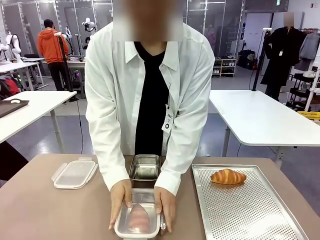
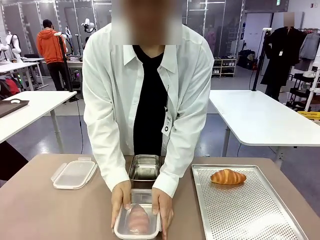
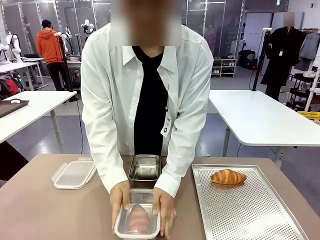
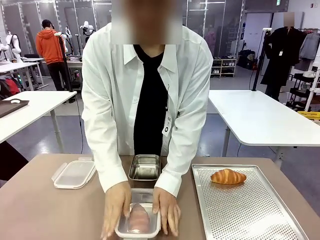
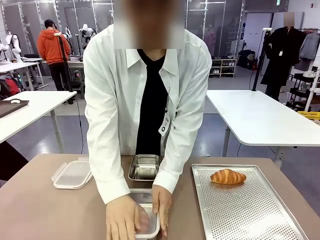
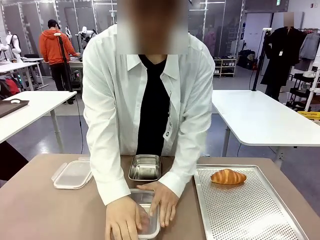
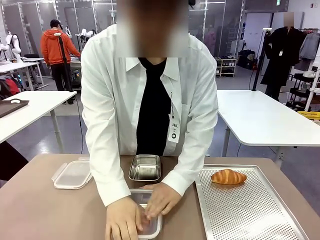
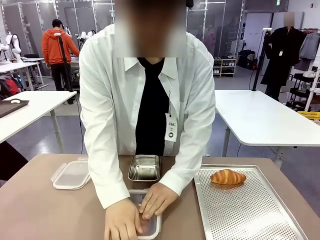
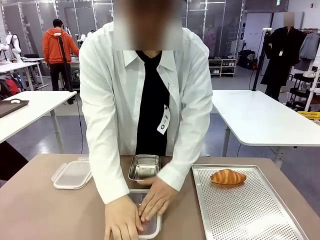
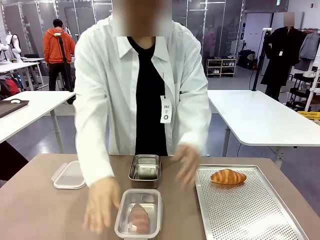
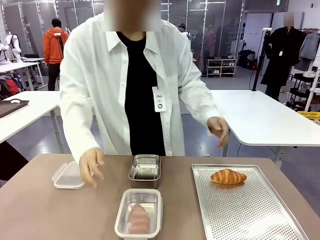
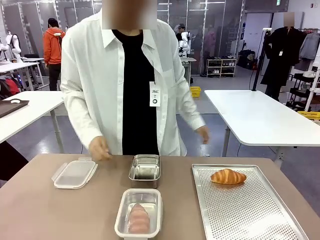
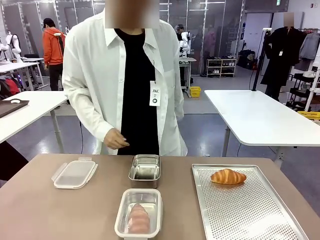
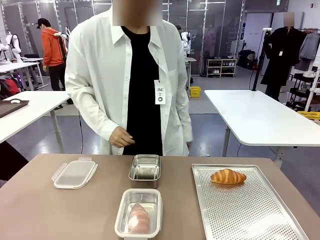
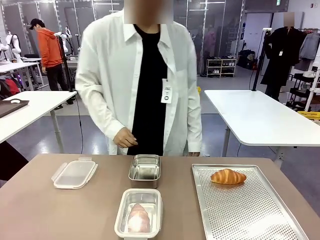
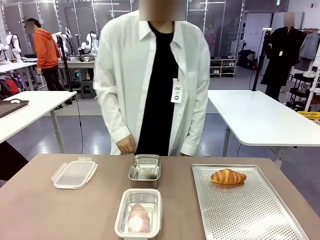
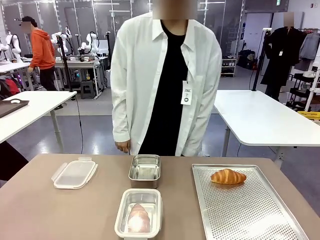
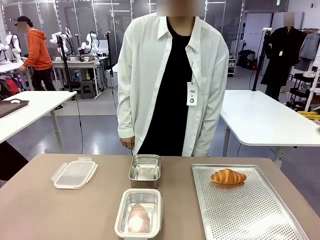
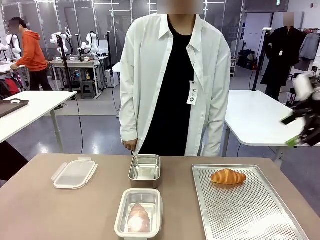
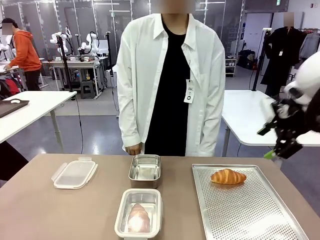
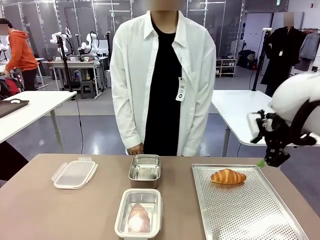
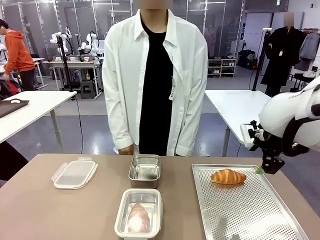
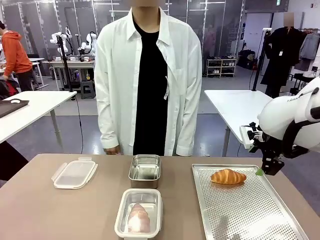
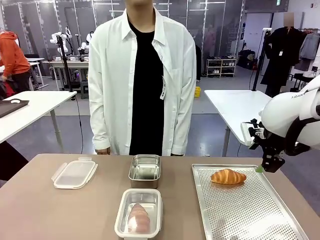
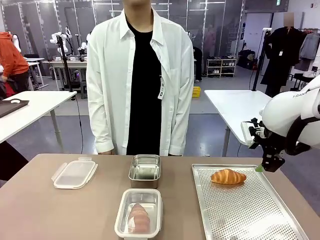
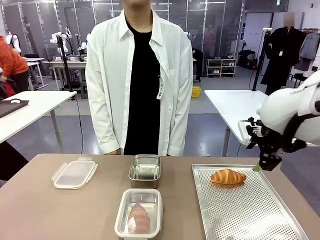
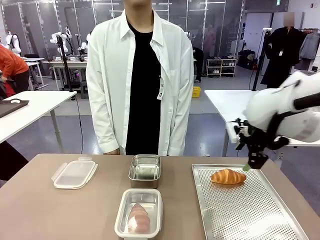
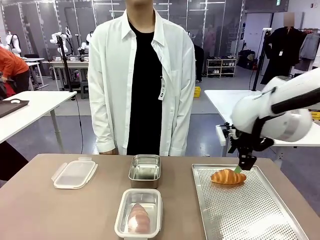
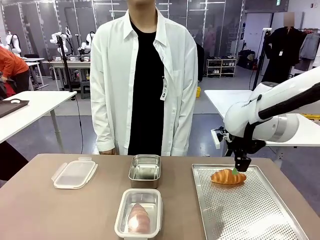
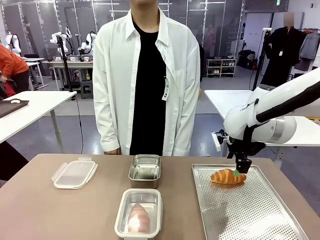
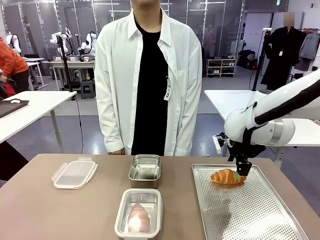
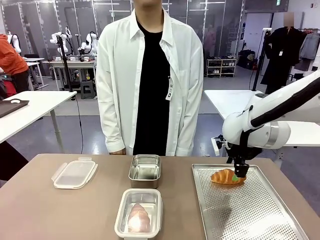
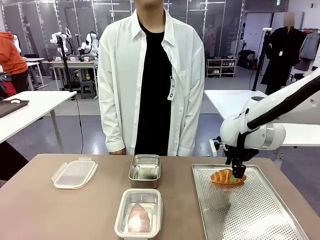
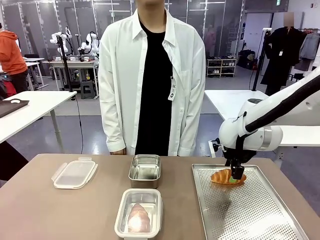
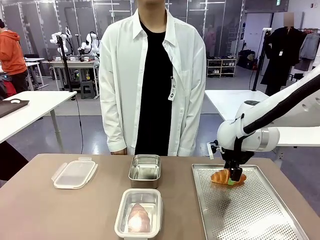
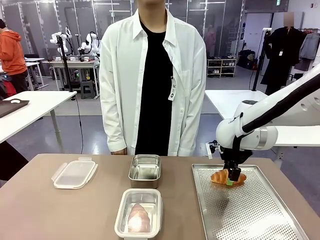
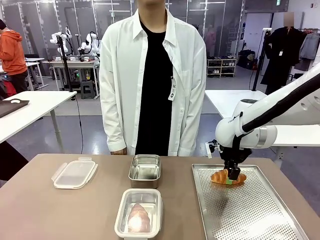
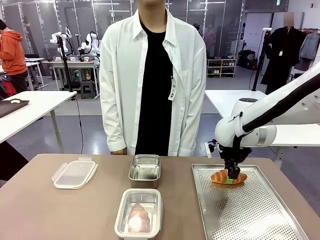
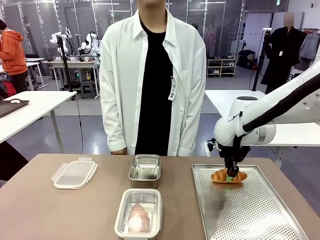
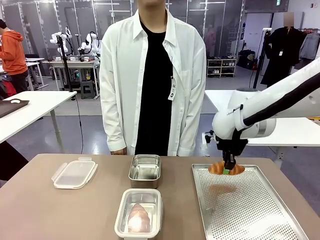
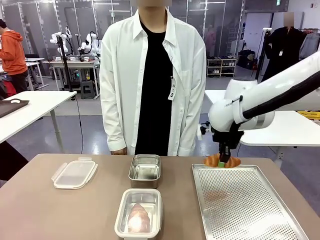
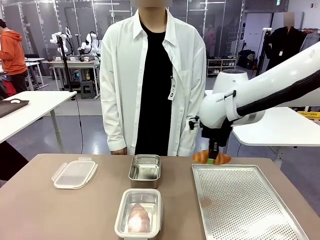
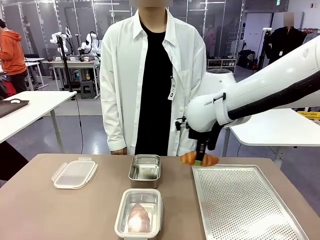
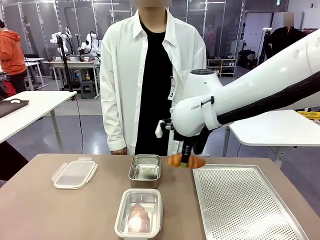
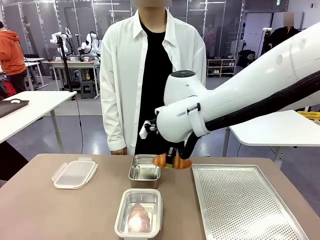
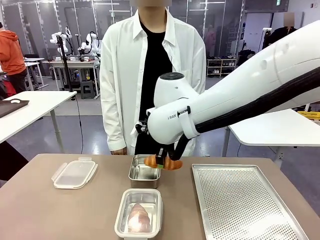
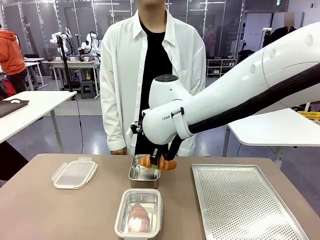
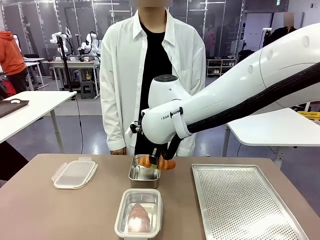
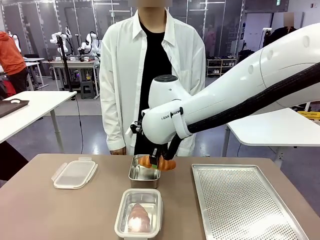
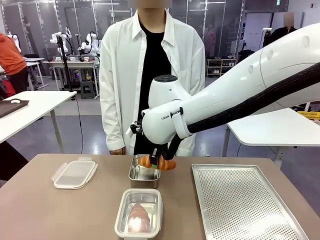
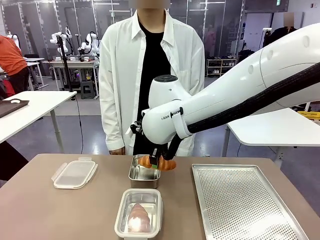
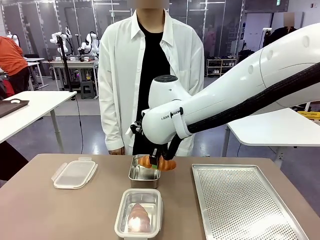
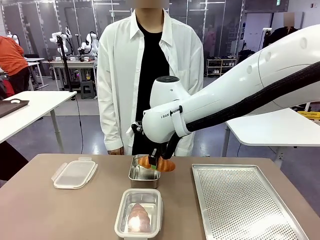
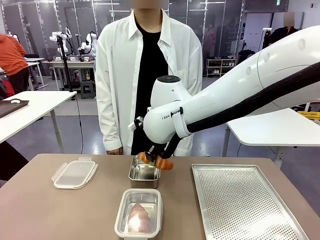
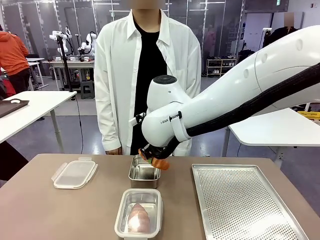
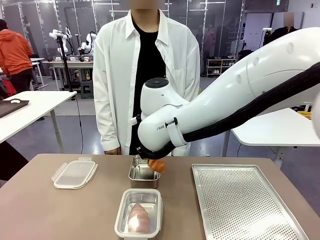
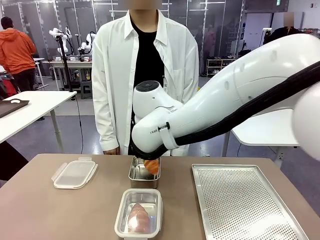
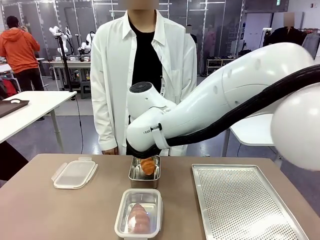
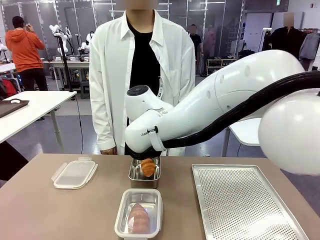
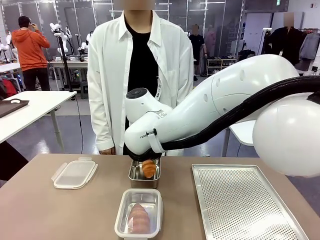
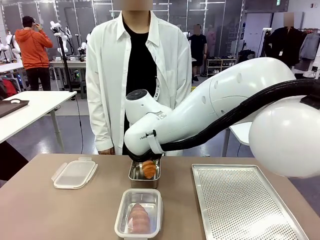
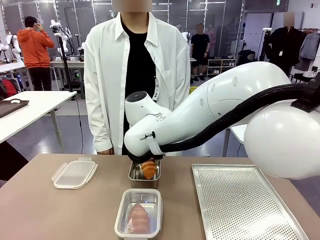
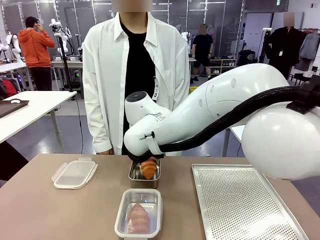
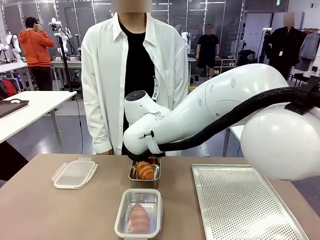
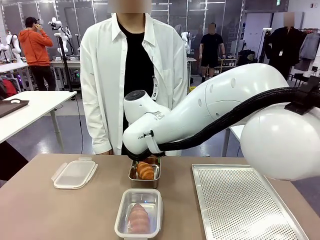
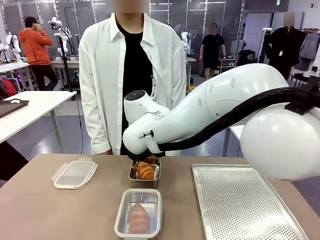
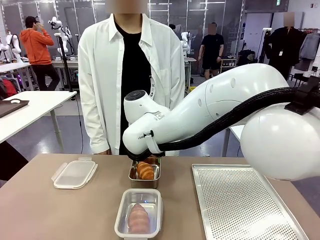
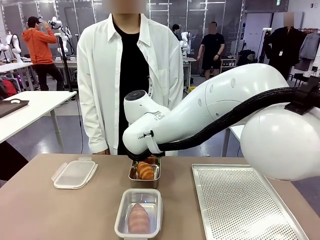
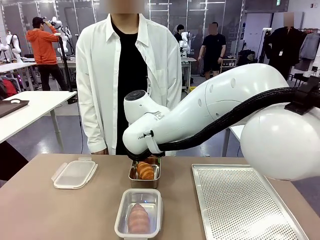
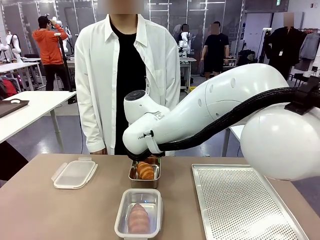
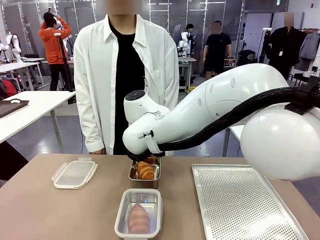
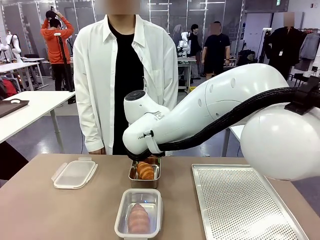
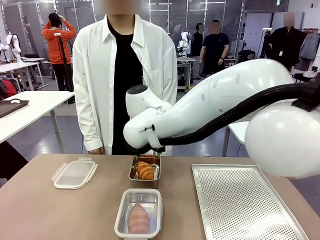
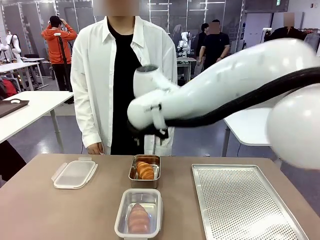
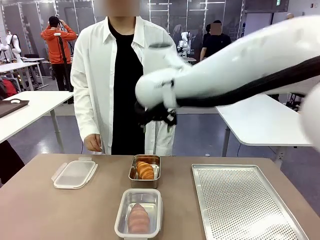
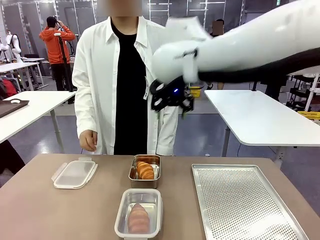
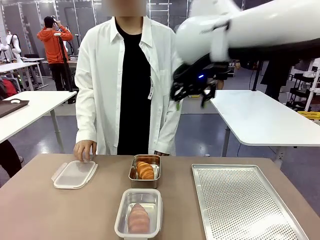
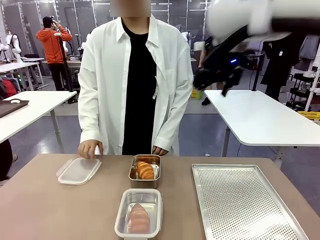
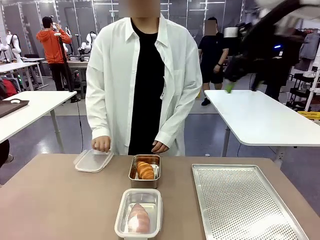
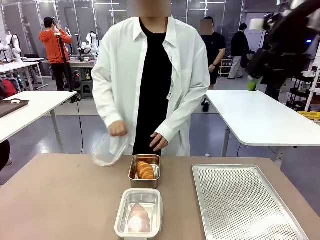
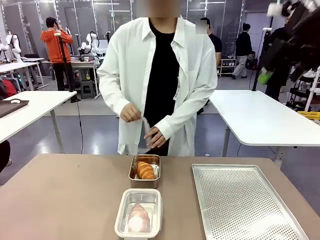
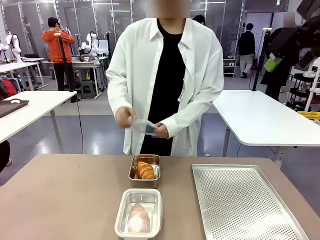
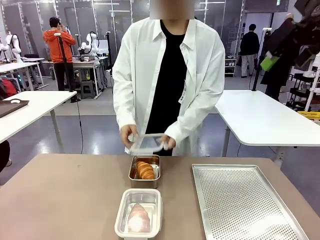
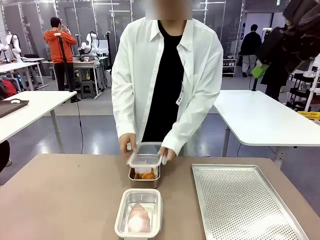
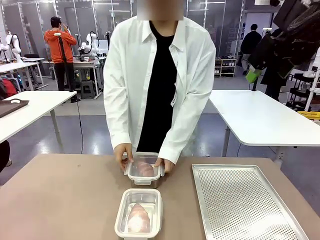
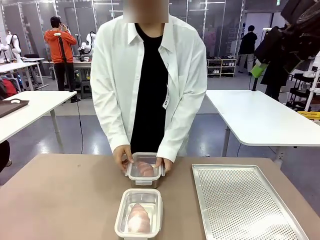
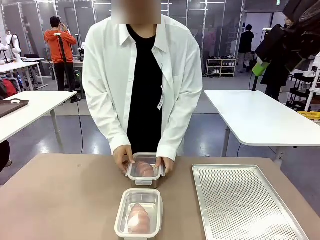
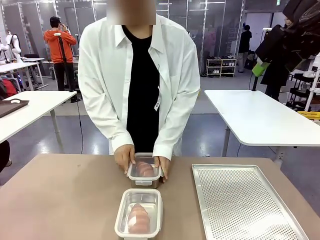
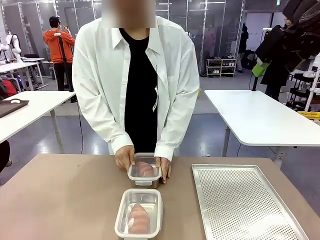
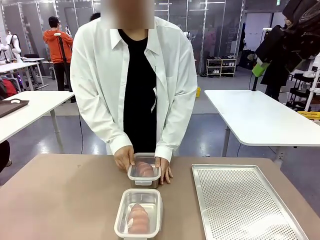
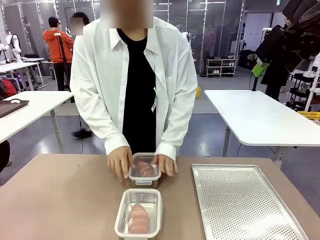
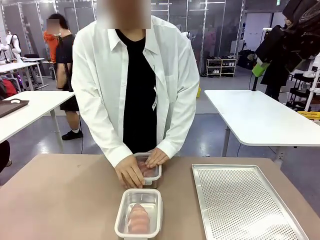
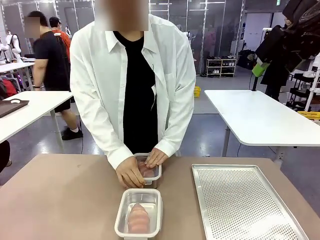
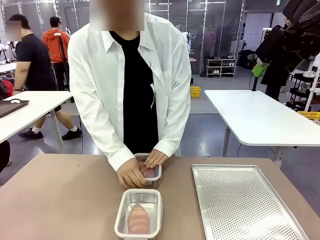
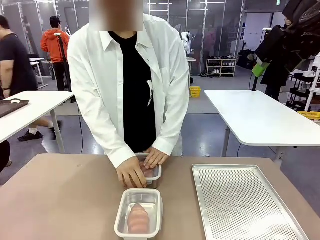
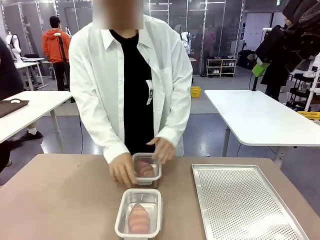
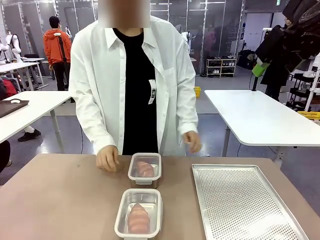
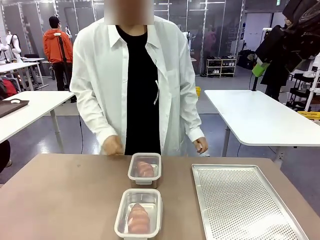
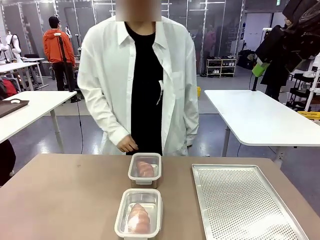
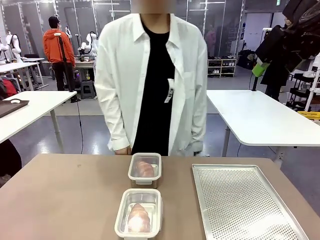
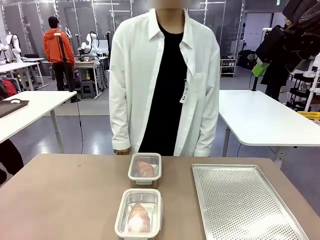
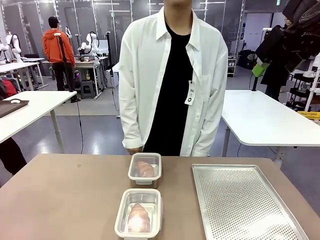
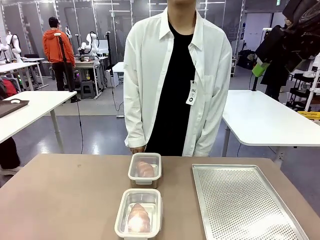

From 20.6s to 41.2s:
Task: Place the bread into the airtight container.
Robot: Pick up a Butter Roll and place it into an empty Airtight Container.
